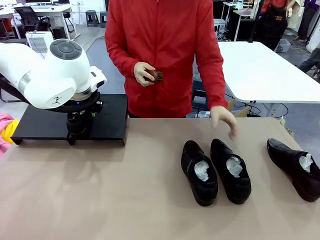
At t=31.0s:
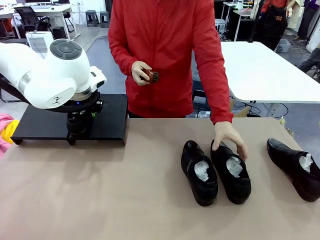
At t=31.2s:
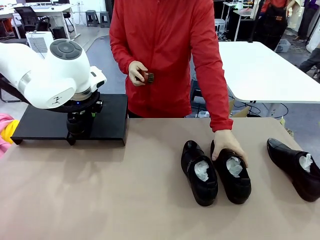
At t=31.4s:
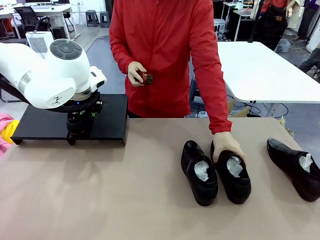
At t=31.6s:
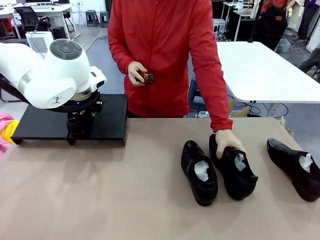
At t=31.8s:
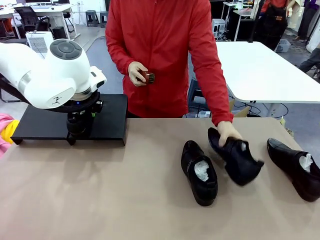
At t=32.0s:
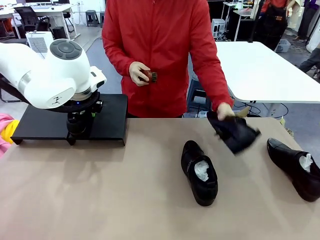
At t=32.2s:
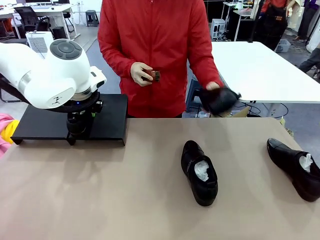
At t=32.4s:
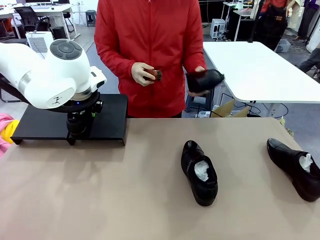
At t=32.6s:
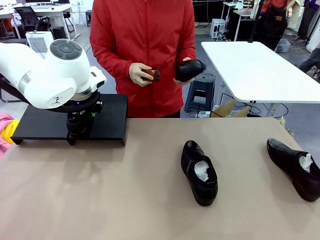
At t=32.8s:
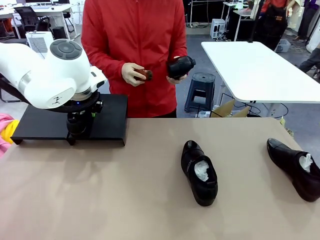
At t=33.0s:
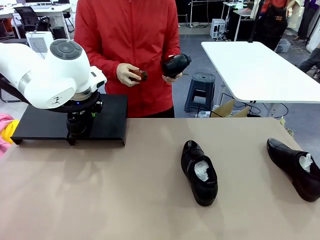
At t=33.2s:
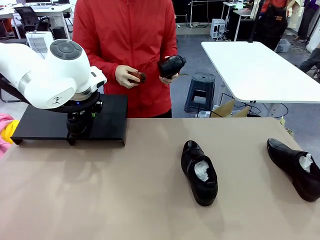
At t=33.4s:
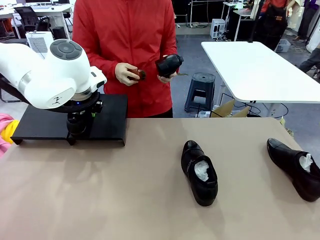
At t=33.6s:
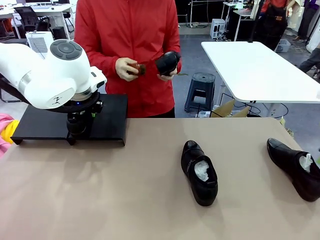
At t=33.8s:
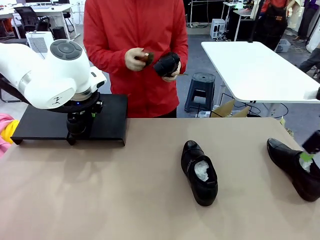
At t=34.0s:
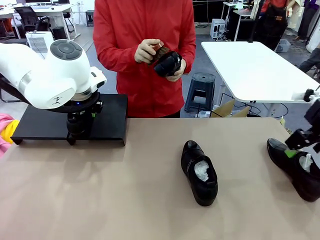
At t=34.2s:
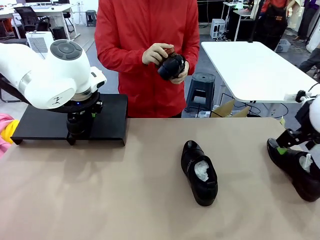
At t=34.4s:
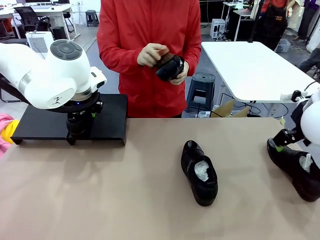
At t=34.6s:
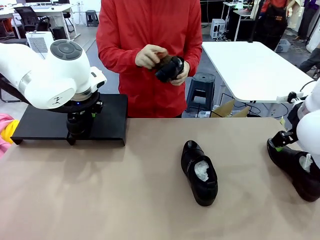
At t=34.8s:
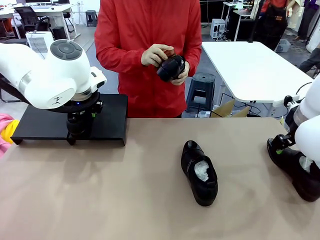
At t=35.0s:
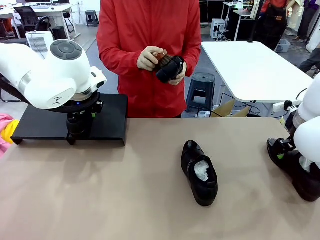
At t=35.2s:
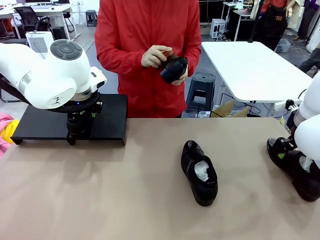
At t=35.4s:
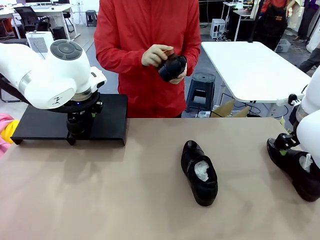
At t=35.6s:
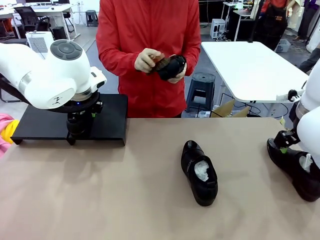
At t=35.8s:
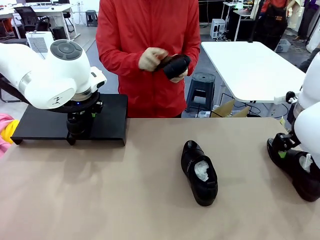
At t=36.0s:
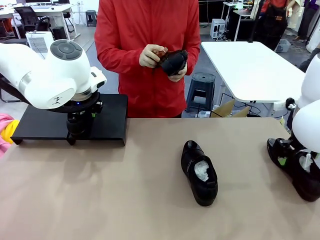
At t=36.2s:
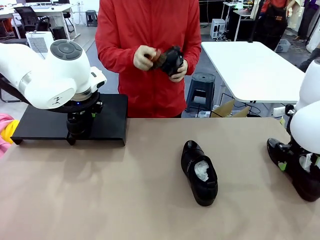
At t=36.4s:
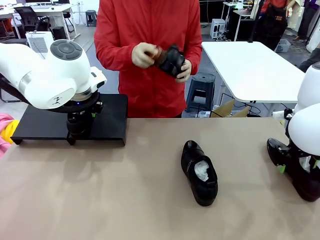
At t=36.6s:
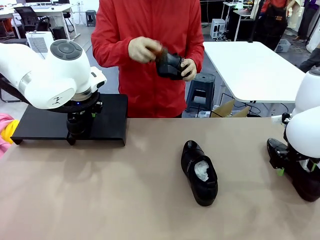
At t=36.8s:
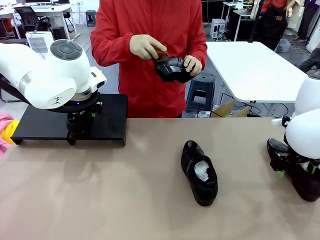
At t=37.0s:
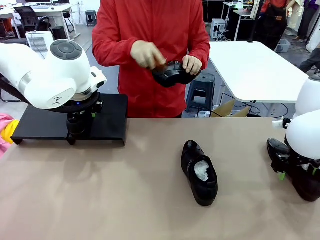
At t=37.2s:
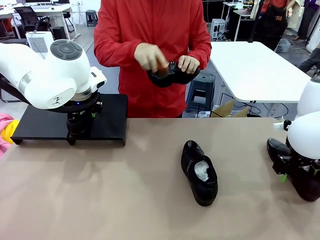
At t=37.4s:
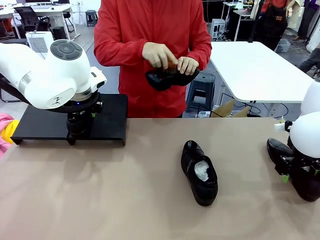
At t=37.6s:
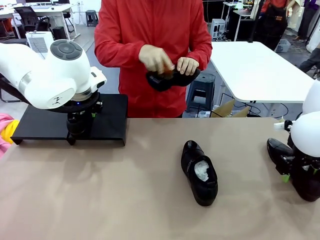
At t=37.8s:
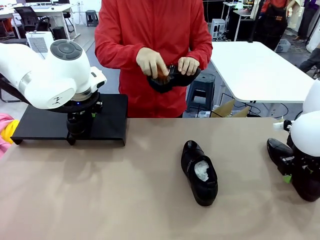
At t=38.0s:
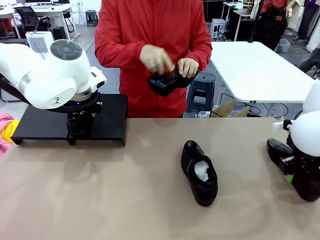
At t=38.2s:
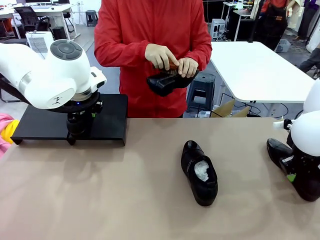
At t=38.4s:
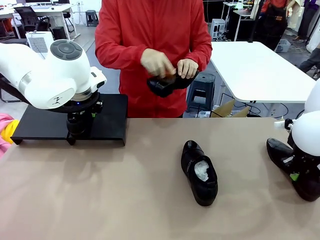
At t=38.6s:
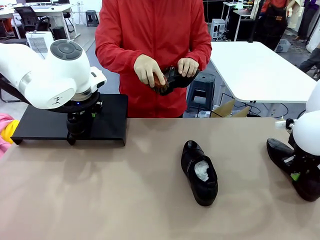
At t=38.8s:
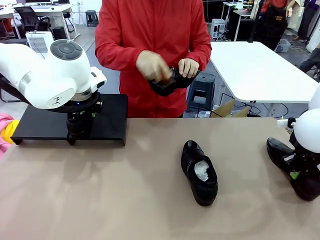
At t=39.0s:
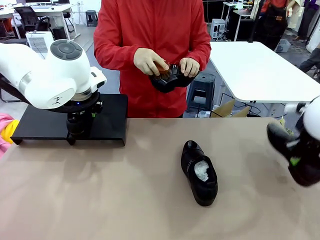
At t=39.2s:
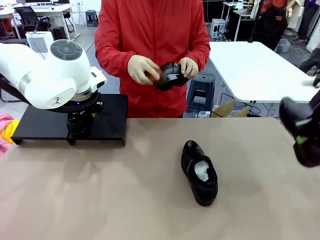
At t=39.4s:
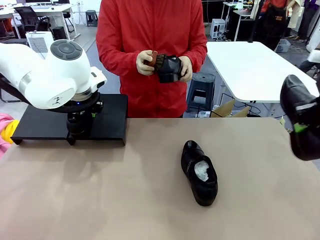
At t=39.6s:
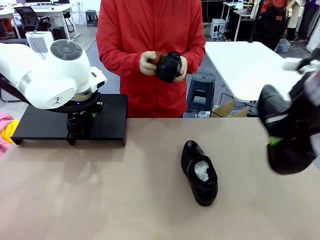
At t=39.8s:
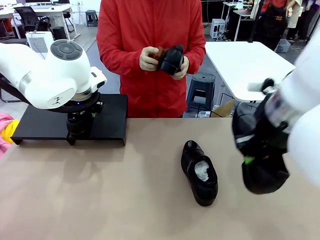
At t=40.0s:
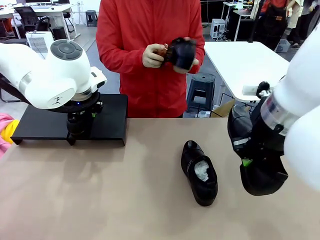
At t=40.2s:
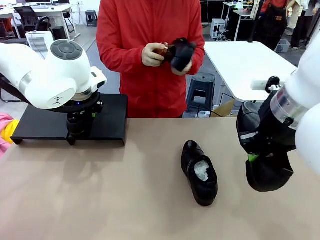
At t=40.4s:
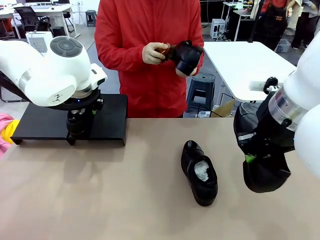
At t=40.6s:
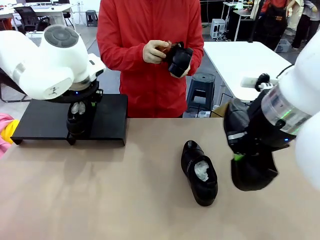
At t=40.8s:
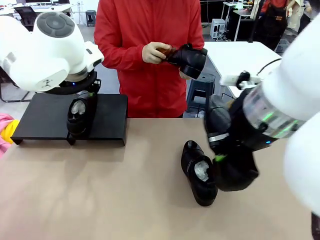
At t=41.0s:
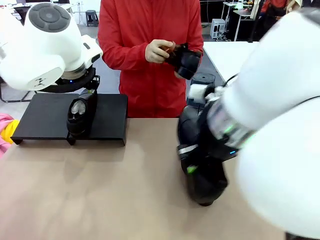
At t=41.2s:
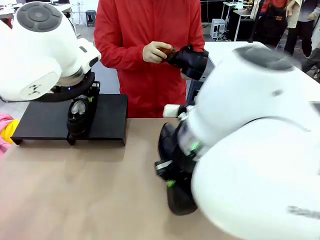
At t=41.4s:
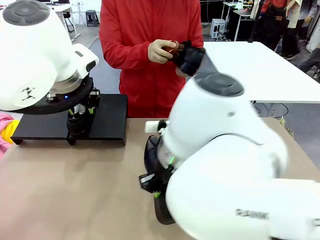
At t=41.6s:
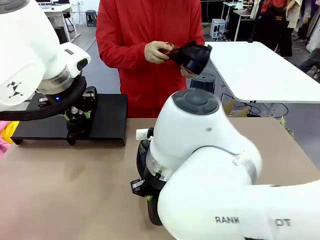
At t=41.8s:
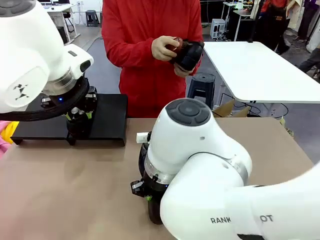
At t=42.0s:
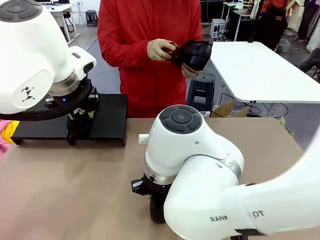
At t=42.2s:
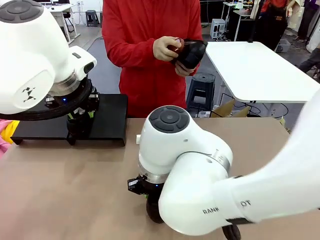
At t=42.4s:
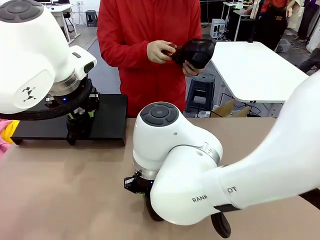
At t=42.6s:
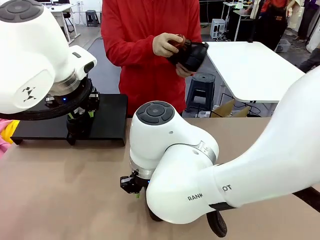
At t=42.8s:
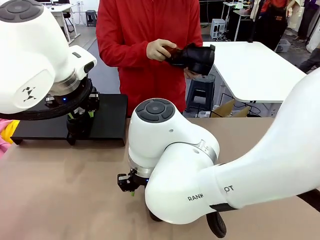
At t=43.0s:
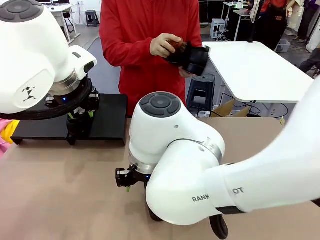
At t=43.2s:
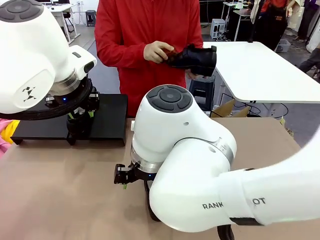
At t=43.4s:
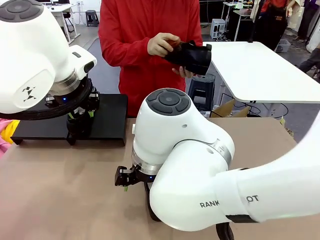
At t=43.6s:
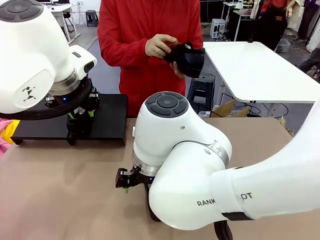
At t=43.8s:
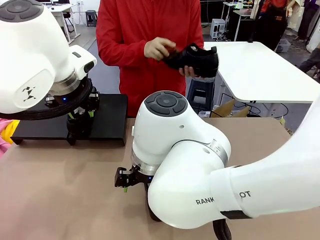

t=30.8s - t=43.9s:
Task: Organize the shoes by placing them on the stand.
Robot: Pick up one Shoe and place it in the middle of the table.
Person: Pick one Shoe on Robot's table. Clean the Shoe with the Shoe Brush.

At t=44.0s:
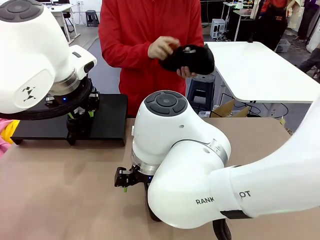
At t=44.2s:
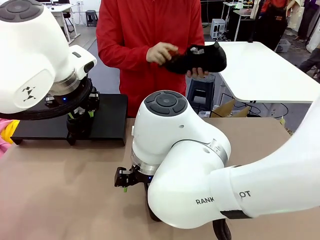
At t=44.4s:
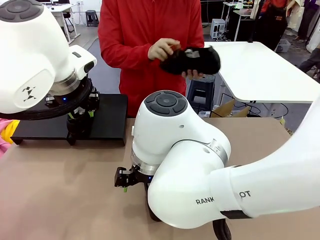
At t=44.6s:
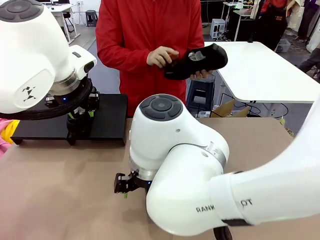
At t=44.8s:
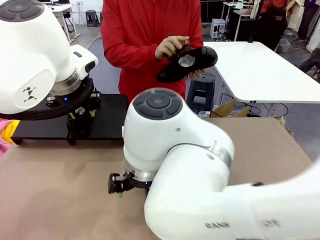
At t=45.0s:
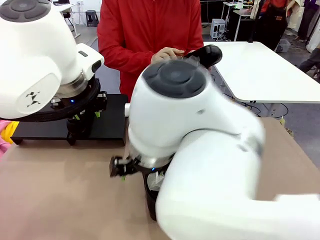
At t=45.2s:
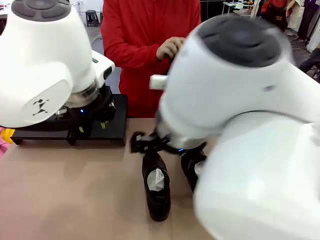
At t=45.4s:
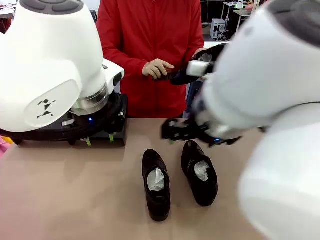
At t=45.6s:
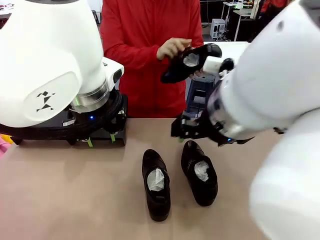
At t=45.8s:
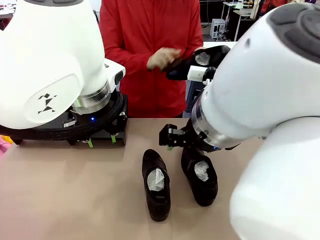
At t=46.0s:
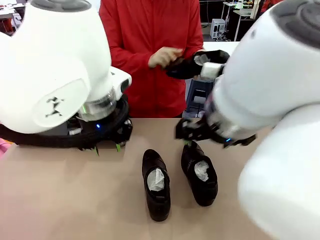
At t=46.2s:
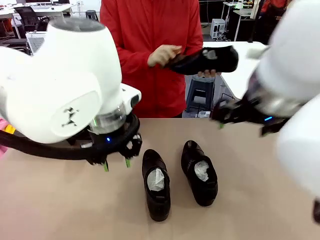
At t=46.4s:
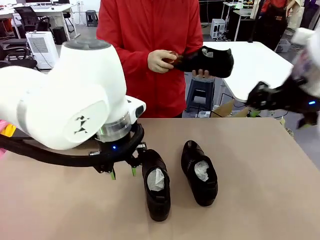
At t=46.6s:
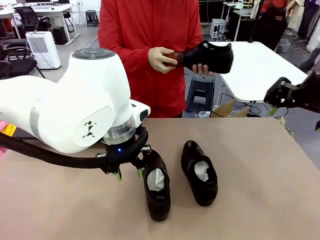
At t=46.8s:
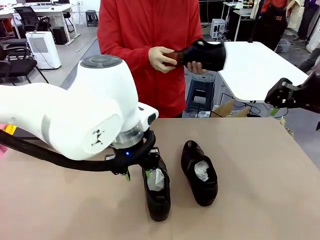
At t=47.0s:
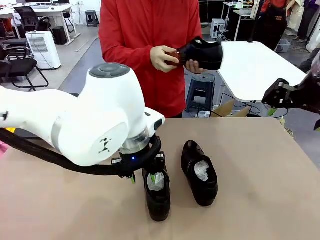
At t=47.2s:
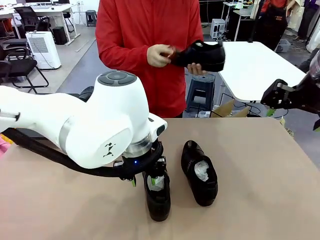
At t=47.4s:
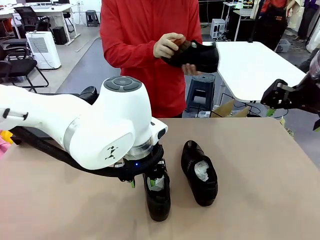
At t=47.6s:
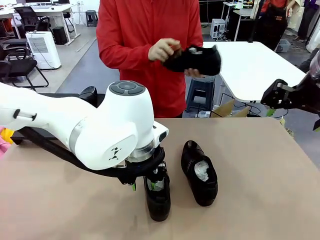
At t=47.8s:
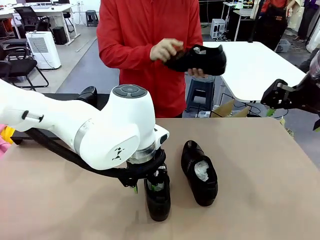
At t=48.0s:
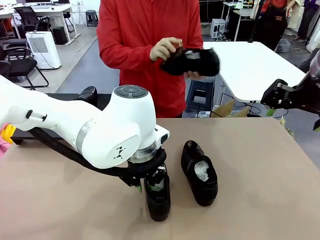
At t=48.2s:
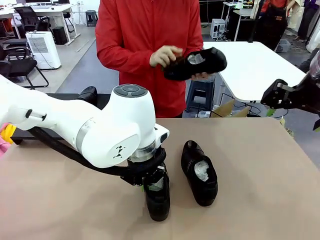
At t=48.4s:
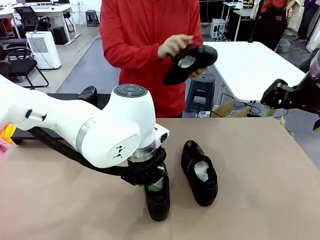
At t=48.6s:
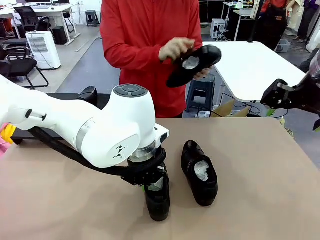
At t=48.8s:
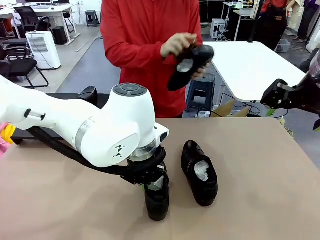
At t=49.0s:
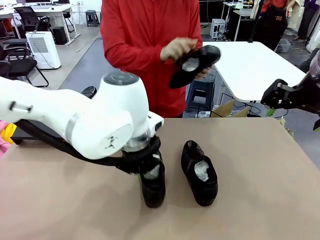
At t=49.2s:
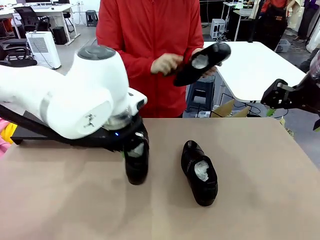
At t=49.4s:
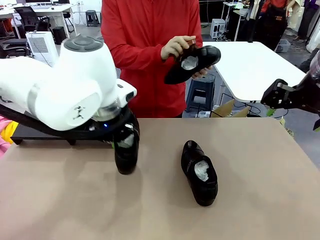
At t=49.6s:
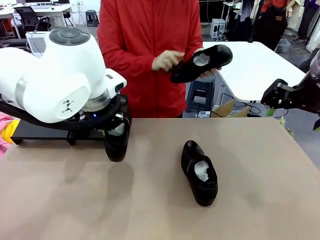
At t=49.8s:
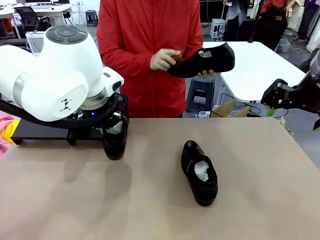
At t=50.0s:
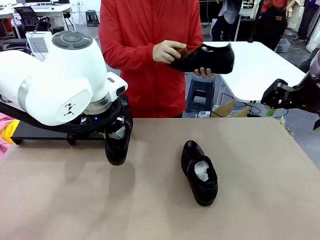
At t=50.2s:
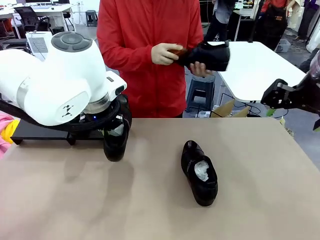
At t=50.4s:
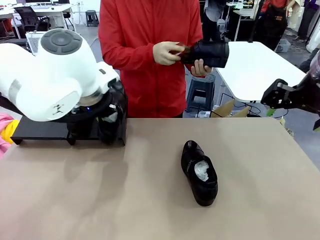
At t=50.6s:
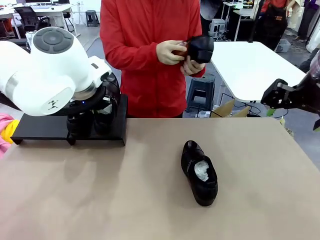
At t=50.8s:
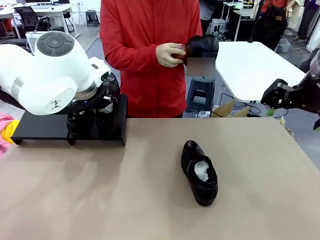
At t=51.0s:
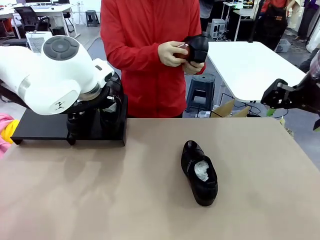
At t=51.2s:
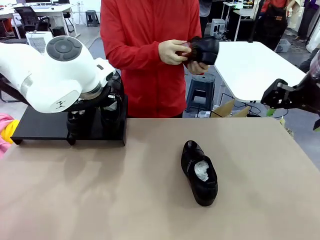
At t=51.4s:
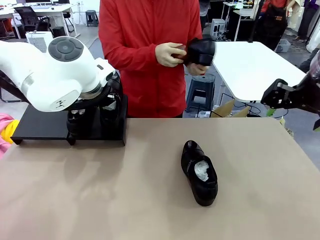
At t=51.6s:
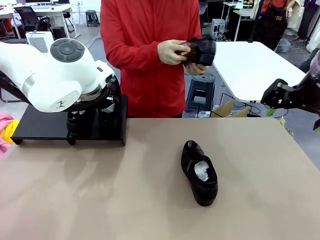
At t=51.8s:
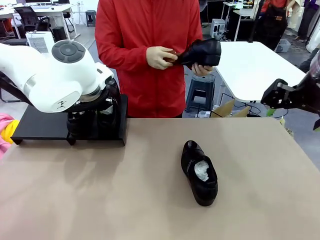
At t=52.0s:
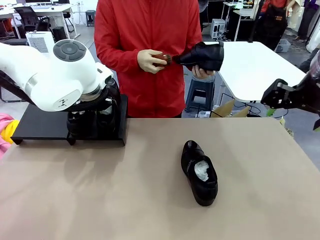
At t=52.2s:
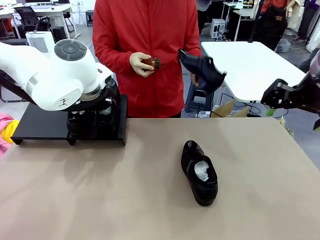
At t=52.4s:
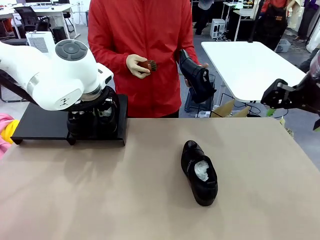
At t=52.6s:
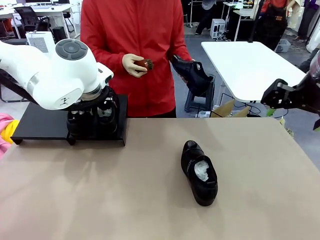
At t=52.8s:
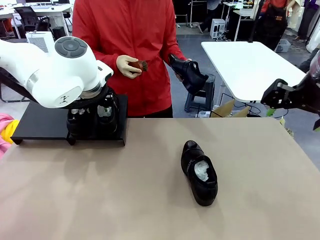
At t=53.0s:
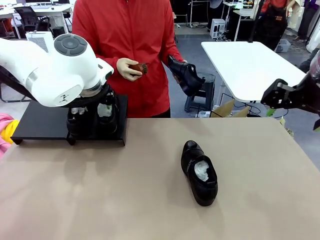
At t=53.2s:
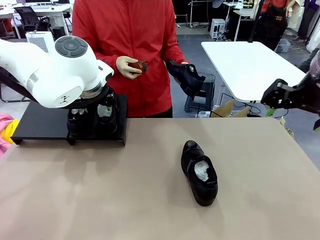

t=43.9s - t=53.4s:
Robot: Place the Shoe from the middle of the table onto the Shoes Stand.
